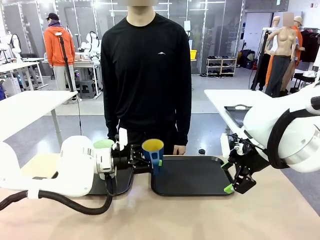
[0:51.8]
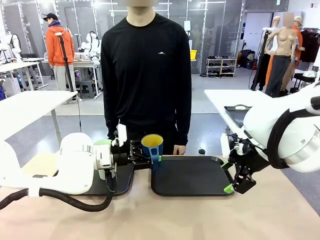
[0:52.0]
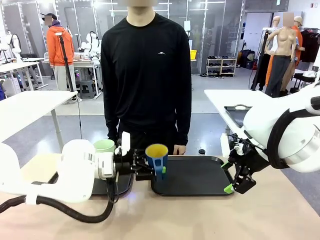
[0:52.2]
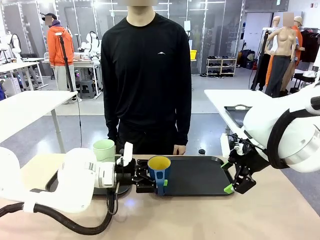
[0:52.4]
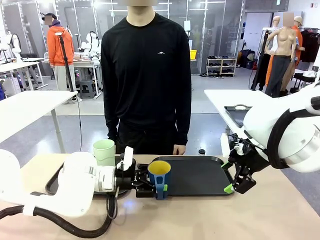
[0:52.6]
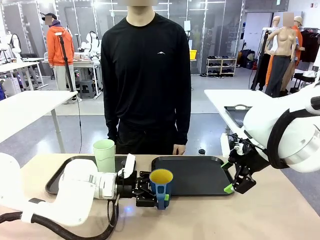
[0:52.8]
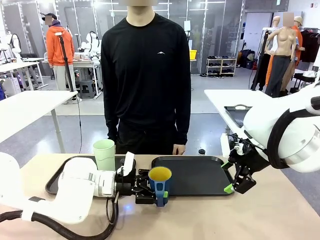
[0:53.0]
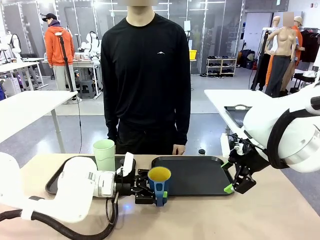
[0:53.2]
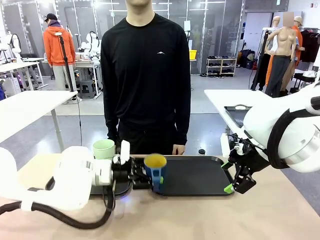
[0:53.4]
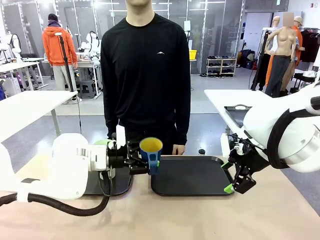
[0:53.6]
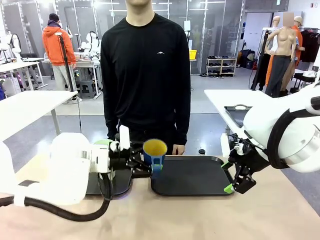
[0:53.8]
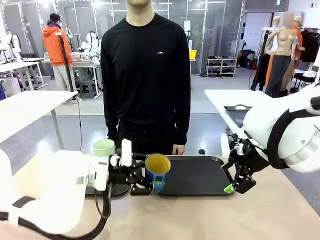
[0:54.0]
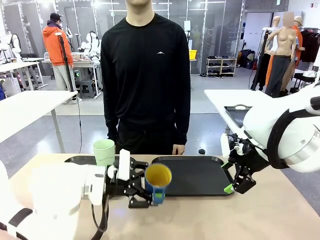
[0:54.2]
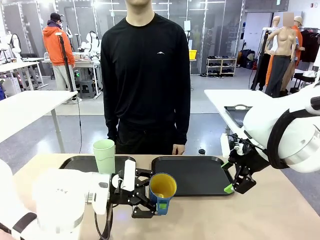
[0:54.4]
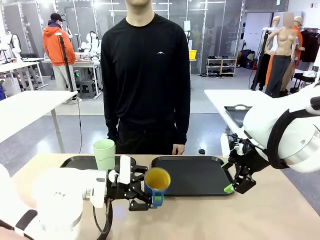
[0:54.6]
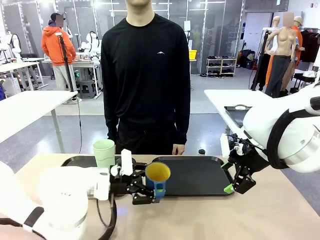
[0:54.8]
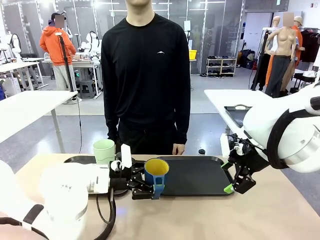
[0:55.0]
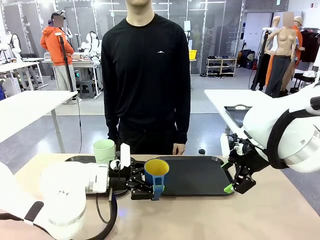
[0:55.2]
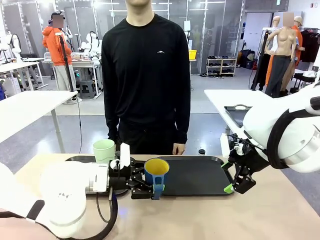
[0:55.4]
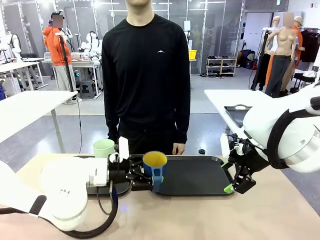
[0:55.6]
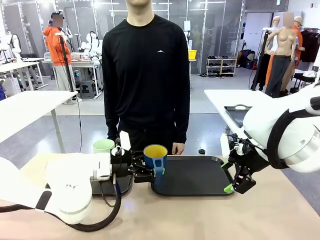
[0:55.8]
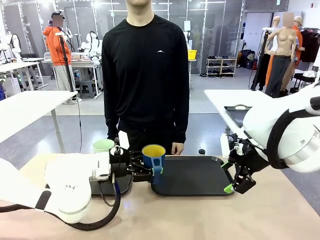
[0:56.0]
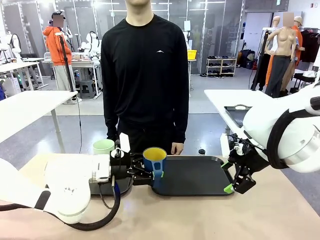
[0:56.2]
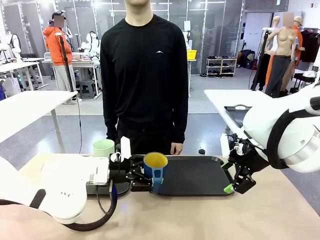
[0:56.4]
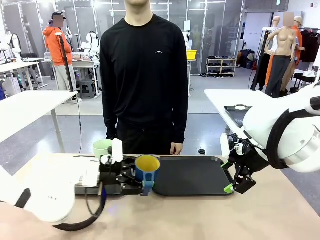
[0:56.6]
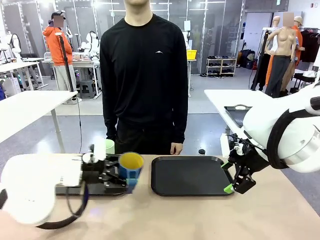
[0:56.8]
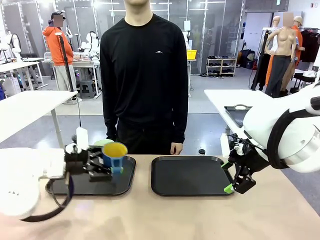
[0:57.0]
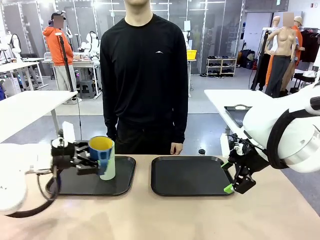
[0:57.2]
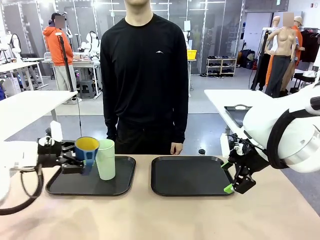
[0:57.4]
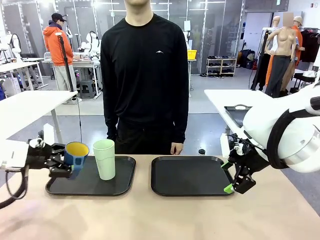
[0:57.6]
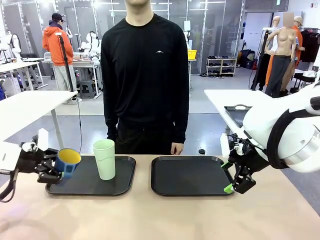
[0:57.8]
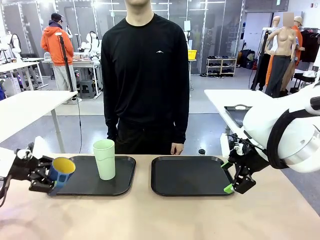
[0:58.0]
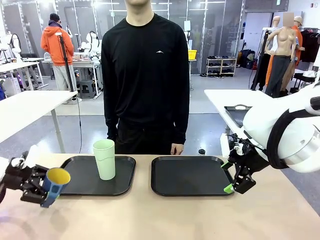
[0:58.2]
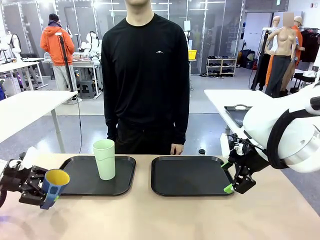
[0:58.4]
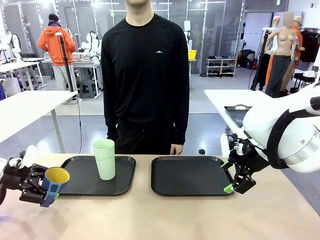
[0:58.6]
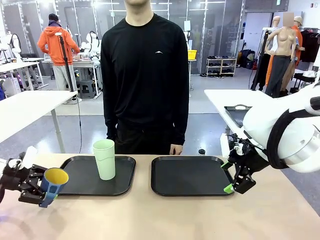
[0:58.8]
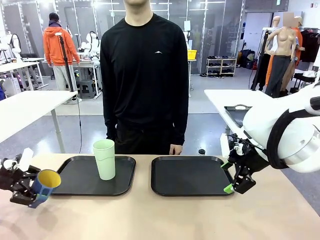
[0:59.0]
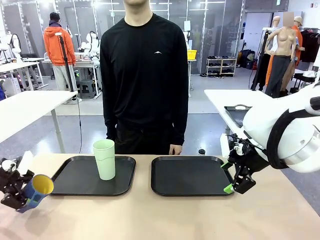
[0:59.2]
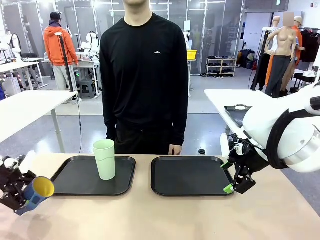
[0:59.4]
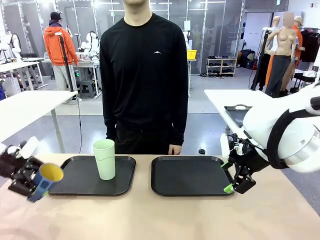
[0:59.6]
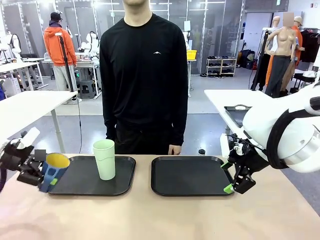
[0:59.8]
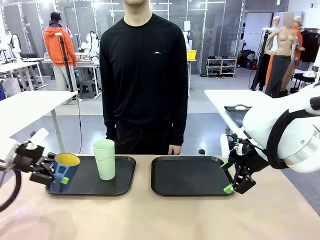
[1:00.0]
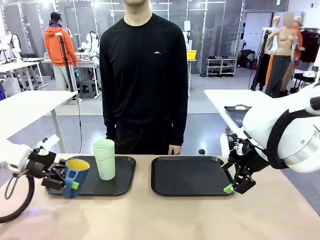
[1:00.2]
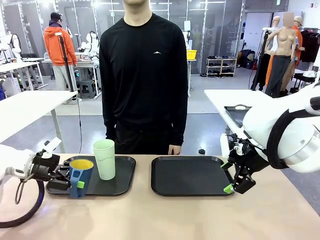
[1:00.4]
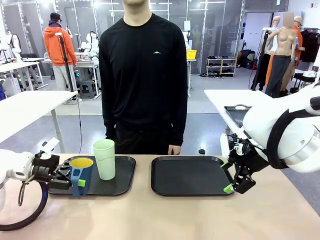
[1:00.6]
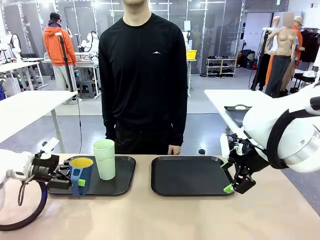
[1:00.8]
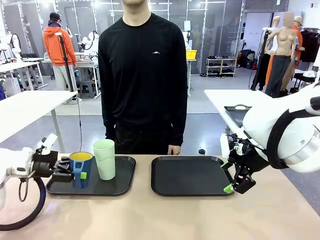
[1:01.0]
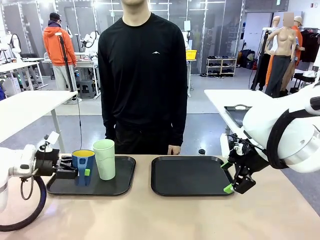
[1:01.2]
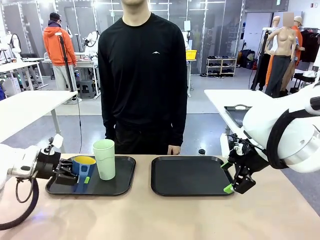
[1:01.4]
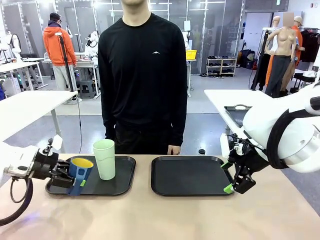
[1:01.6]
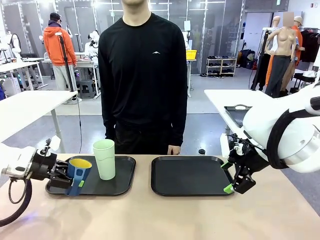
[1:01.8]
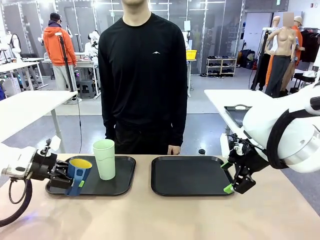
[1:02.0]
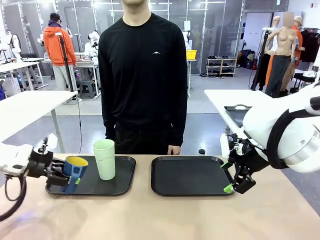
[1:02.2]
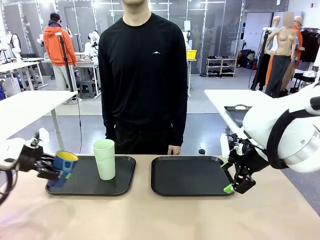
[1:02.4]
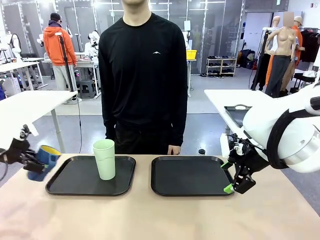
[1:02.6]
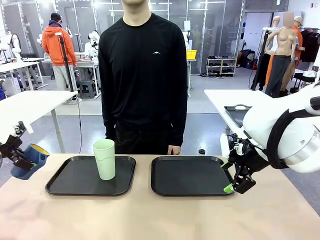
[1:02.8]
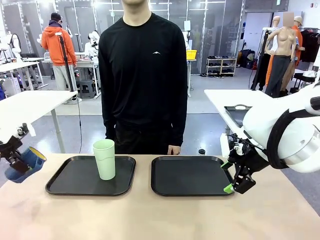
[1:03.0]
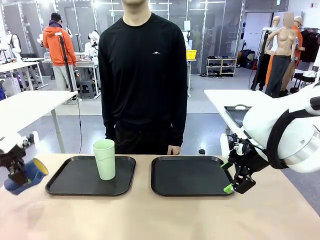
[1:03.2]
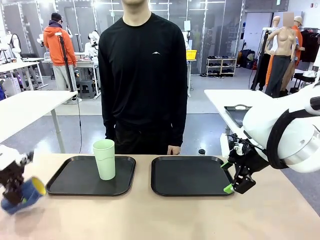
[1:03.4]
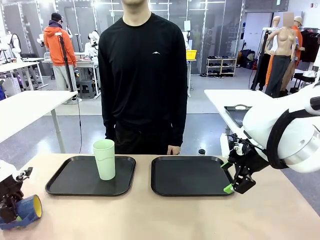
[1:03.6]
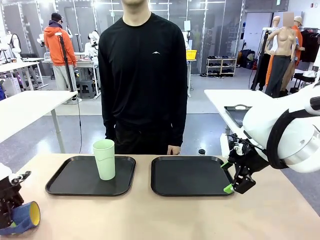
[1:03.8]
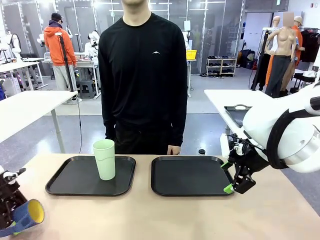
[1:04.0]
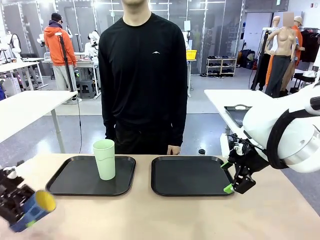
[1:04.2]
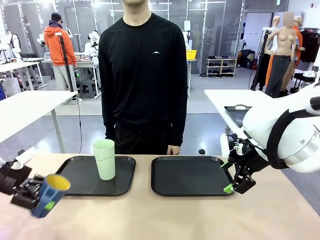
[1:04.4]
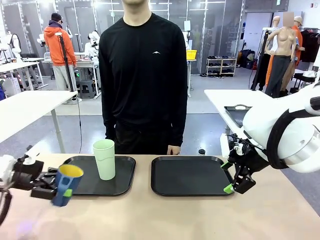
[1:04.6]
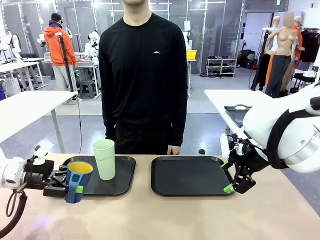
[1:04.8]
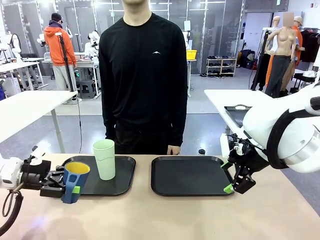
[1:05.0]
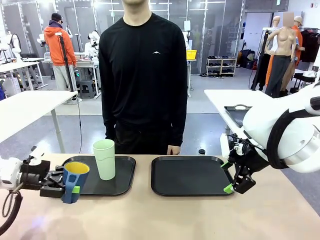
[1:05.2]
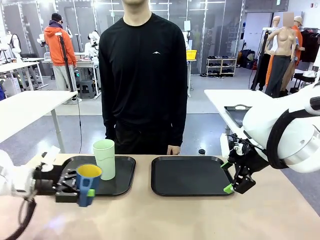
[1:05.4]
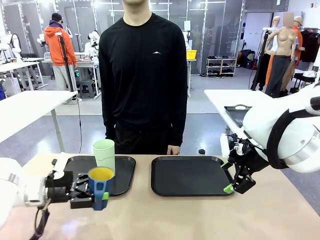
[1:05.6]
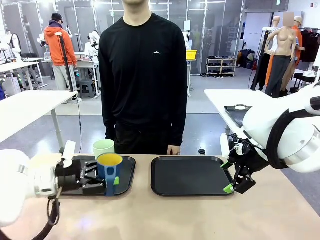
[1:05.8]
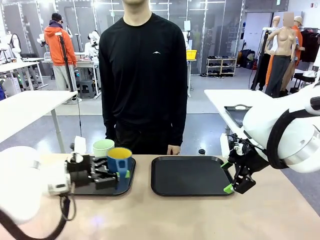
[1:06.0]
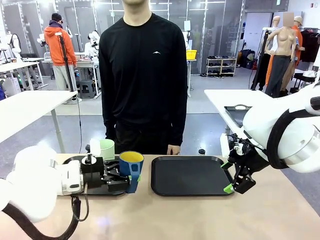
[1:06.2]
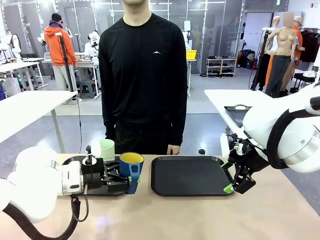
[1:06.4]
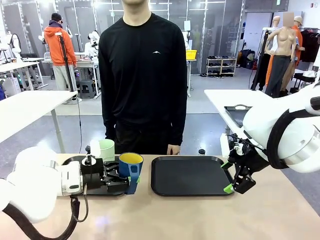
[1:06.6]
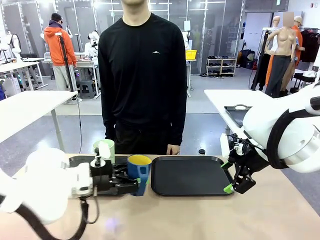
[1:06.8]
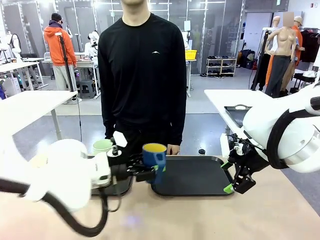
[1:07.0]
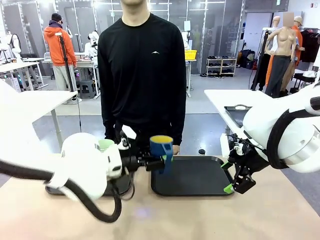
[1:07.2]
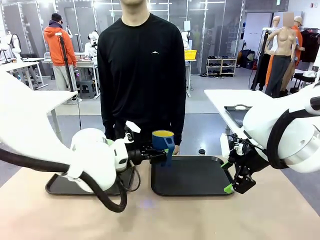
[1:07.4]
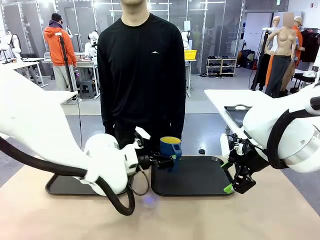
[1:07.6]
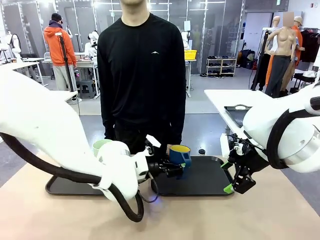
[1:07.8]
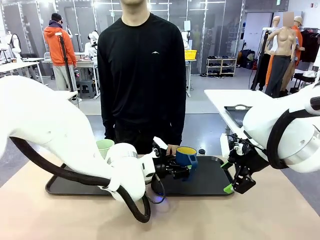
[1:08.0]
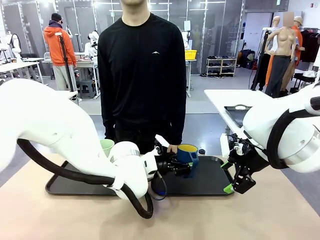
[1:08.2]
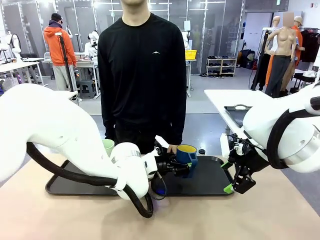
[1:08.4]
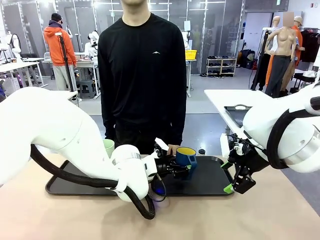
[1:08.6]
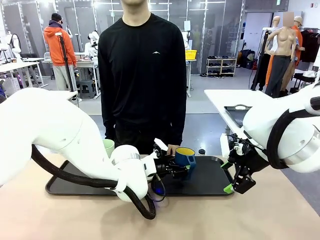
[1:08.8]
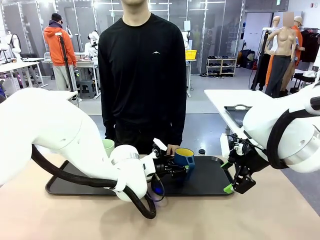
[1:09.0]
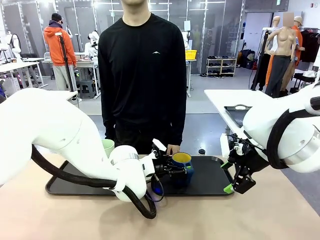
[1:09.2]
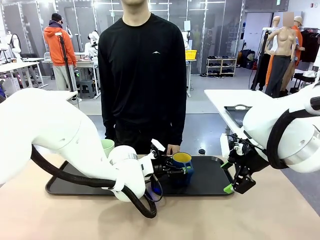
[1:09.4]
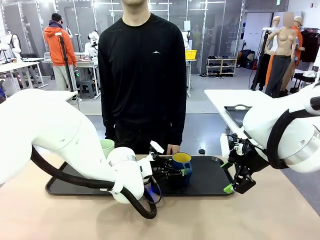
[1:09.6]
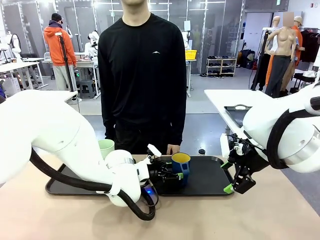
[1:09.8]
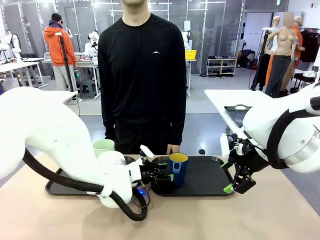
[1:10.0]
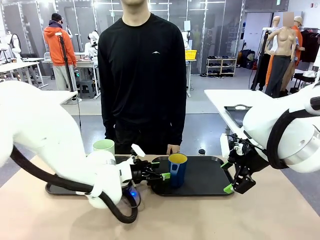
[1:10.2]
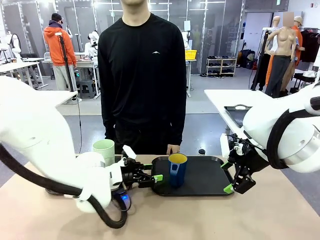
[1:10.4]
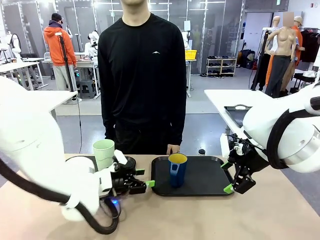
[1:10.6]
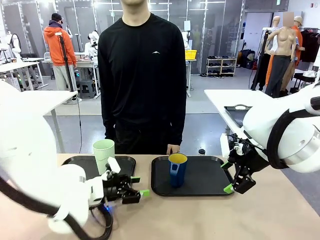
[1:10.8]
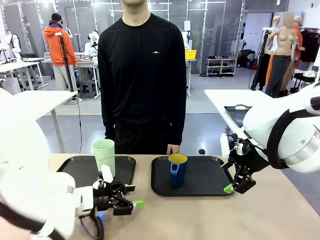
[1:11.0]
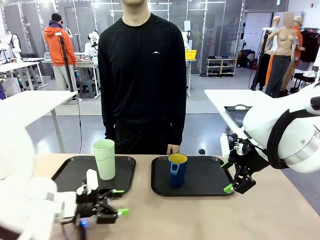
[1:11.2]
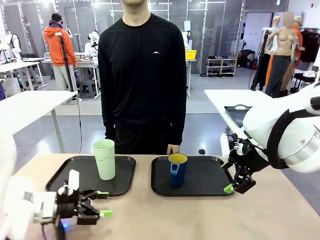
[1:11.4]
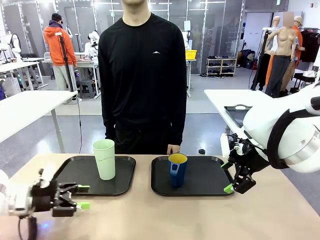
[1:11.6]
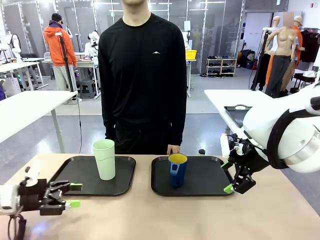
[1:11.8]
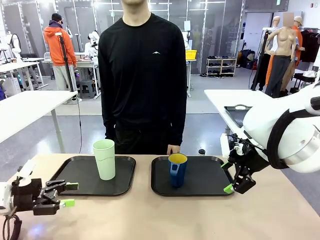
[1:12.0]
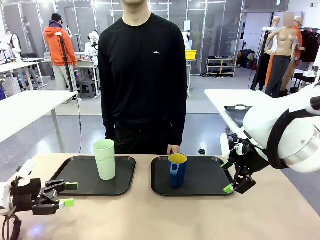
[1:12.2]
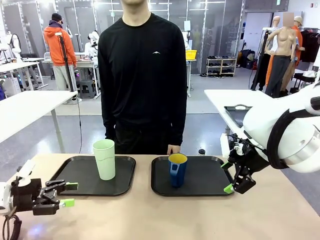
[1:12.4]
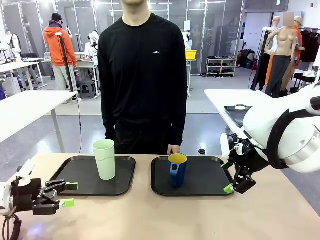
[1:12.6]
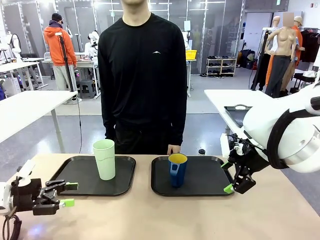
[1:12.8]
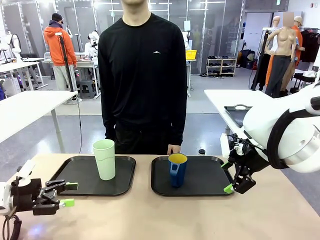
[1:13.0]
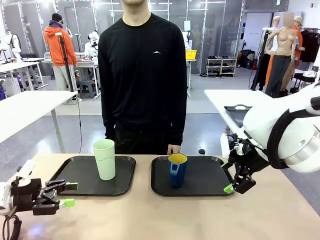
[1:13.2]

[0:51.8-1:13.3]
Task: Sort and store the cups by type.
Robot: Pick up the Handle plastic cup and place it into the empty Flat Tray.
